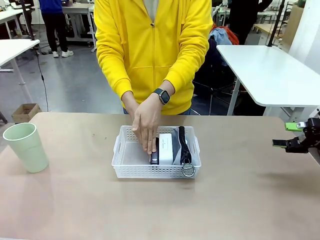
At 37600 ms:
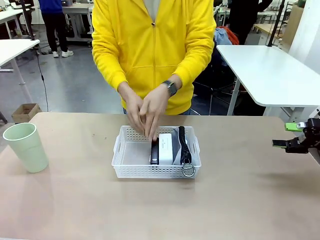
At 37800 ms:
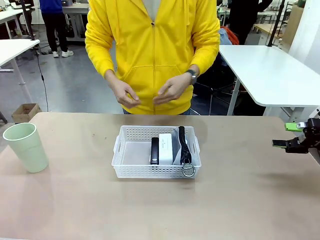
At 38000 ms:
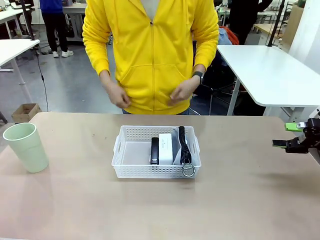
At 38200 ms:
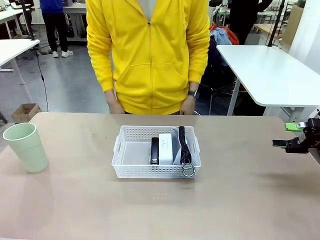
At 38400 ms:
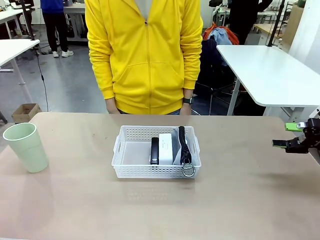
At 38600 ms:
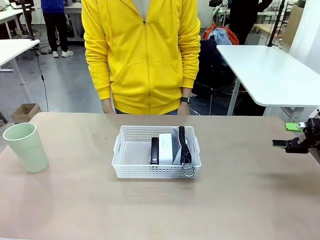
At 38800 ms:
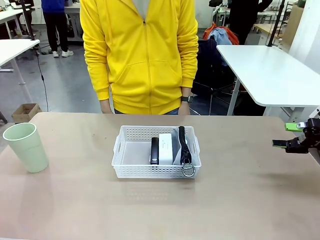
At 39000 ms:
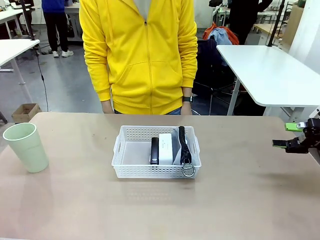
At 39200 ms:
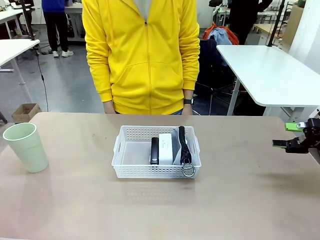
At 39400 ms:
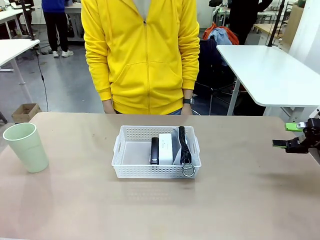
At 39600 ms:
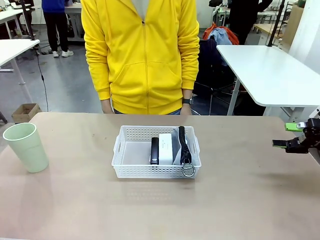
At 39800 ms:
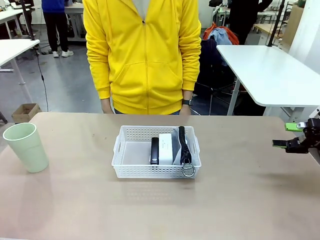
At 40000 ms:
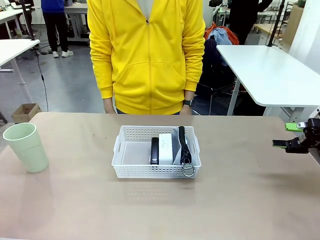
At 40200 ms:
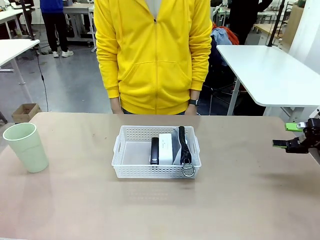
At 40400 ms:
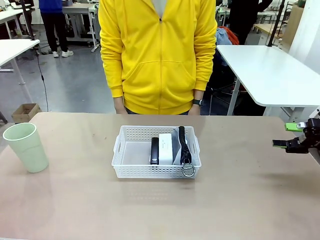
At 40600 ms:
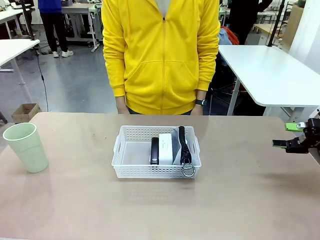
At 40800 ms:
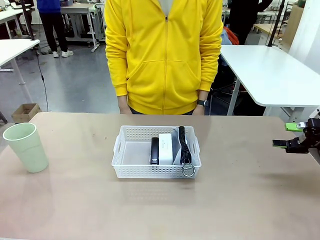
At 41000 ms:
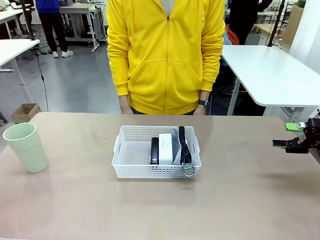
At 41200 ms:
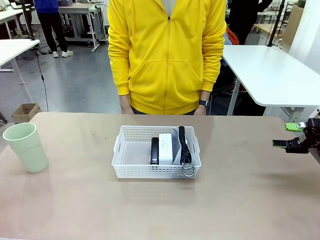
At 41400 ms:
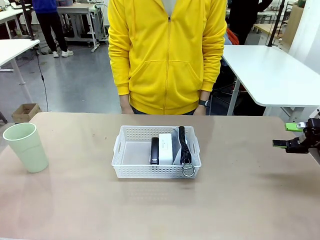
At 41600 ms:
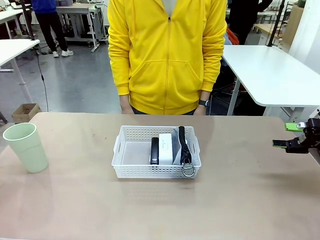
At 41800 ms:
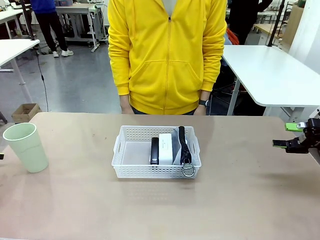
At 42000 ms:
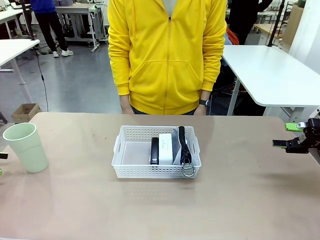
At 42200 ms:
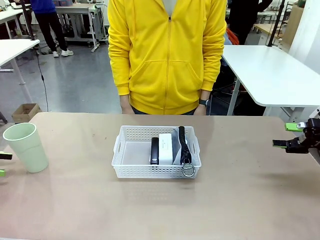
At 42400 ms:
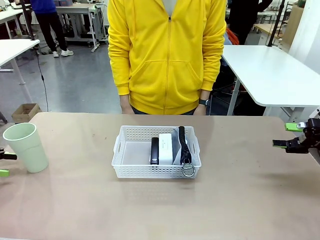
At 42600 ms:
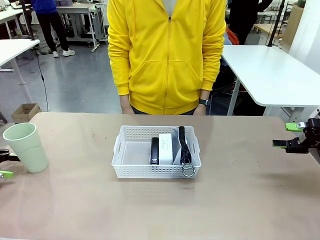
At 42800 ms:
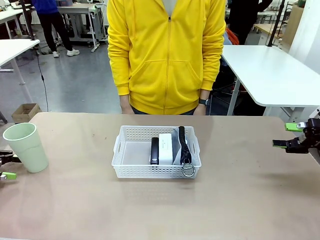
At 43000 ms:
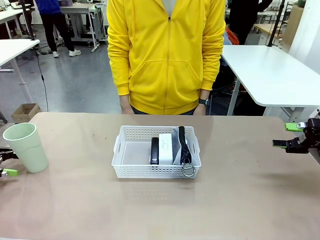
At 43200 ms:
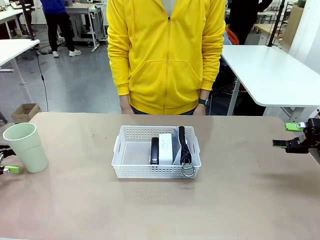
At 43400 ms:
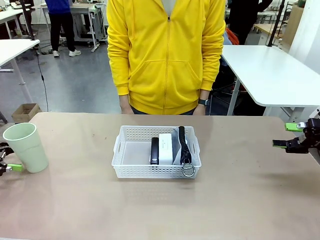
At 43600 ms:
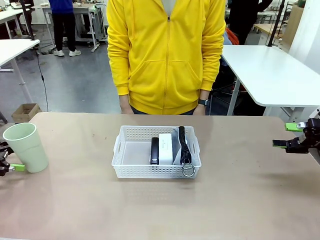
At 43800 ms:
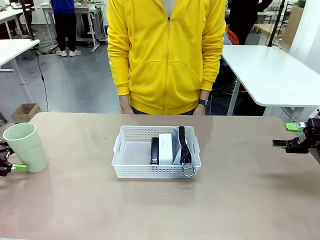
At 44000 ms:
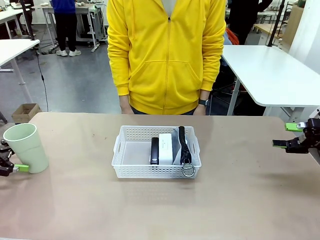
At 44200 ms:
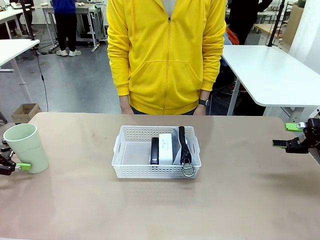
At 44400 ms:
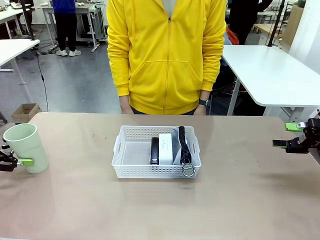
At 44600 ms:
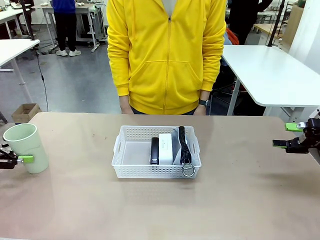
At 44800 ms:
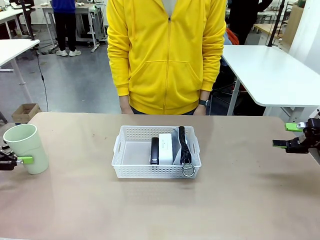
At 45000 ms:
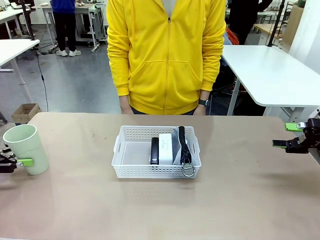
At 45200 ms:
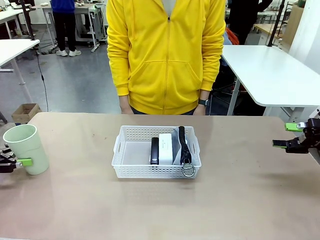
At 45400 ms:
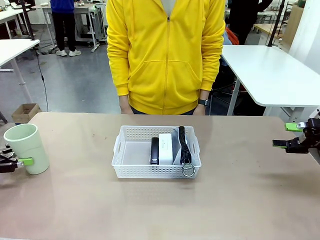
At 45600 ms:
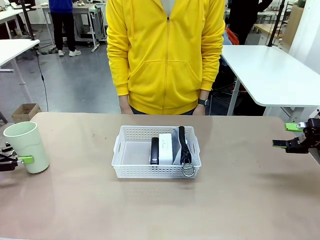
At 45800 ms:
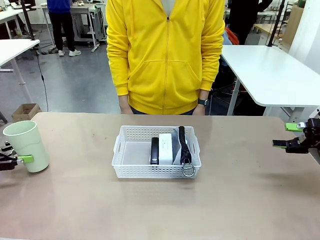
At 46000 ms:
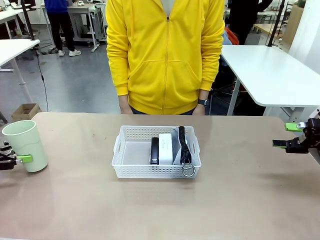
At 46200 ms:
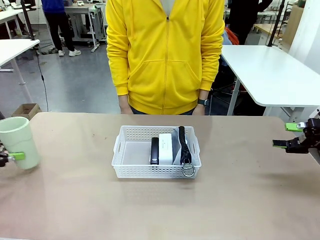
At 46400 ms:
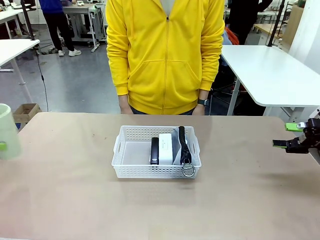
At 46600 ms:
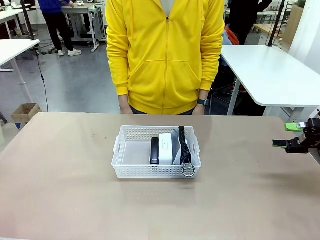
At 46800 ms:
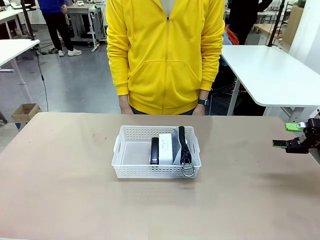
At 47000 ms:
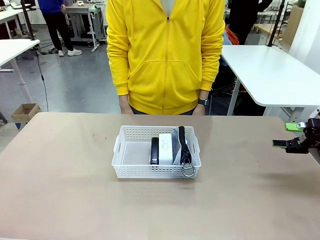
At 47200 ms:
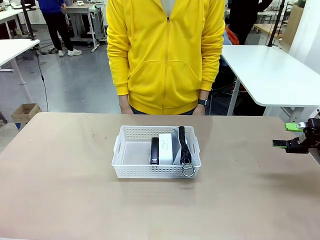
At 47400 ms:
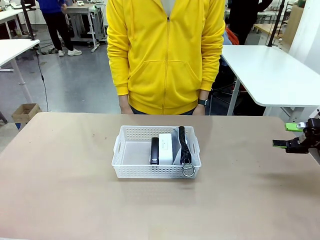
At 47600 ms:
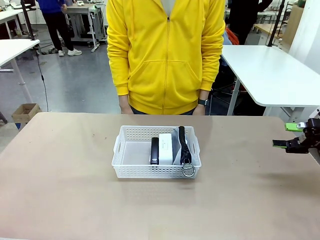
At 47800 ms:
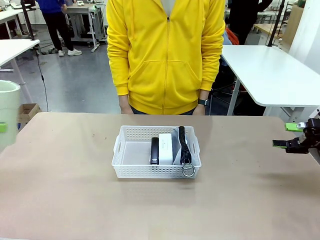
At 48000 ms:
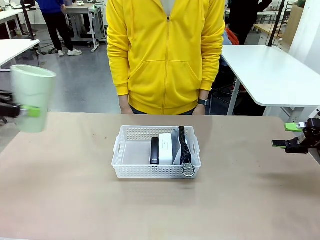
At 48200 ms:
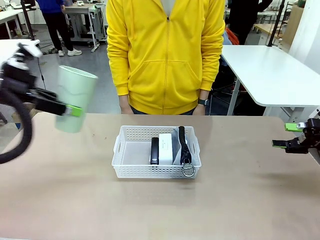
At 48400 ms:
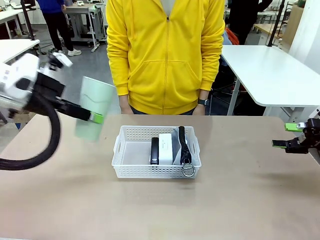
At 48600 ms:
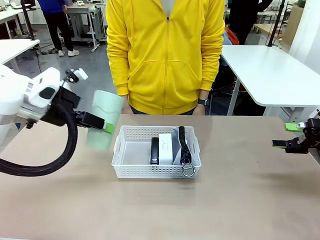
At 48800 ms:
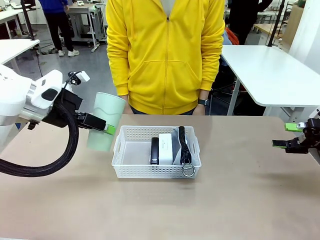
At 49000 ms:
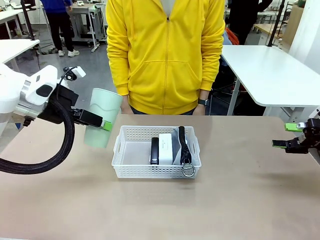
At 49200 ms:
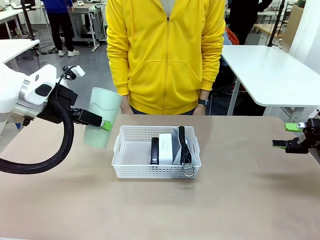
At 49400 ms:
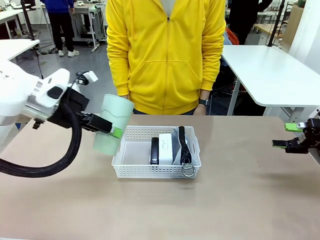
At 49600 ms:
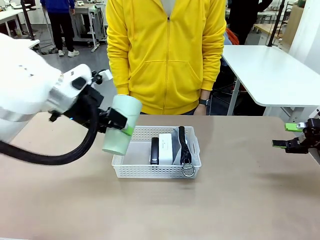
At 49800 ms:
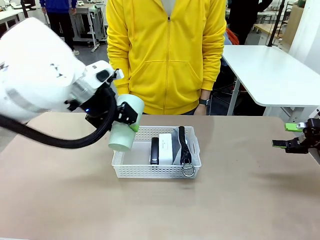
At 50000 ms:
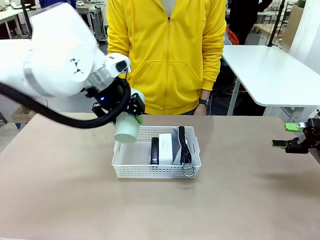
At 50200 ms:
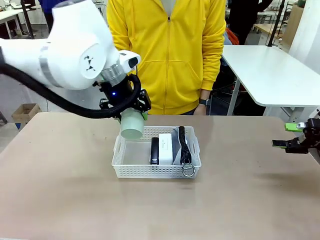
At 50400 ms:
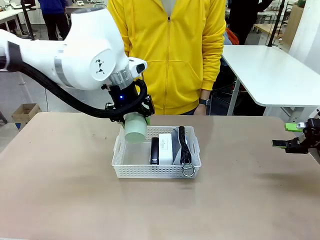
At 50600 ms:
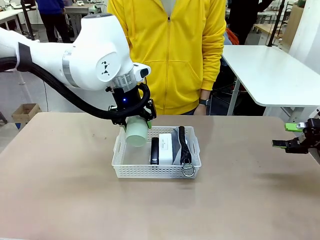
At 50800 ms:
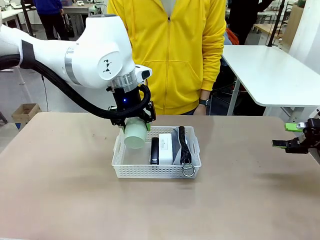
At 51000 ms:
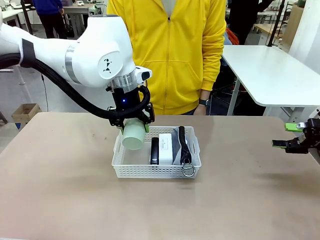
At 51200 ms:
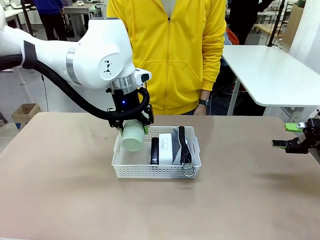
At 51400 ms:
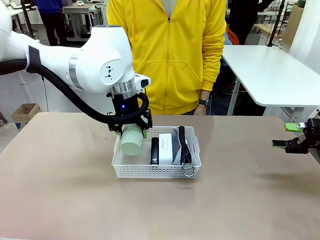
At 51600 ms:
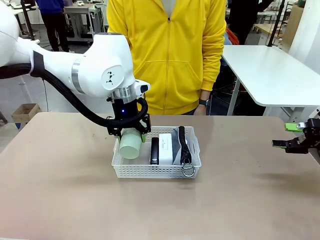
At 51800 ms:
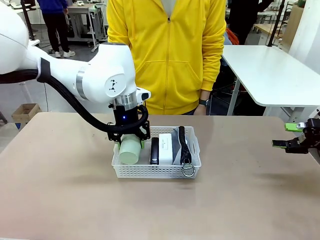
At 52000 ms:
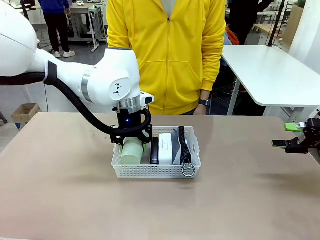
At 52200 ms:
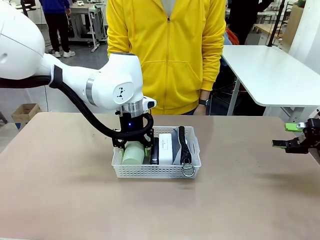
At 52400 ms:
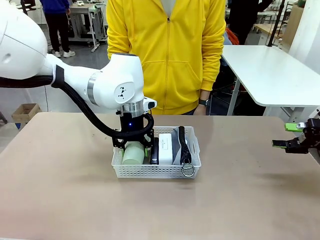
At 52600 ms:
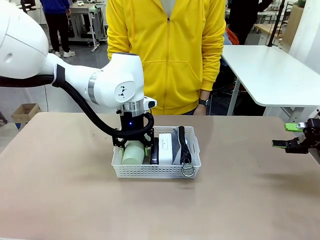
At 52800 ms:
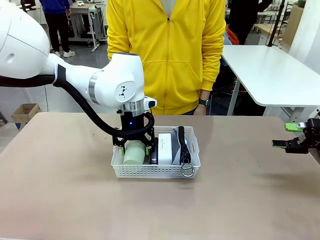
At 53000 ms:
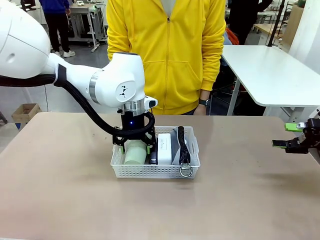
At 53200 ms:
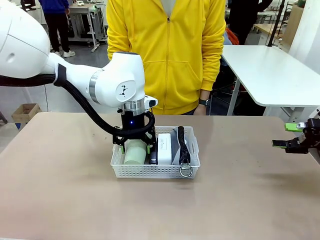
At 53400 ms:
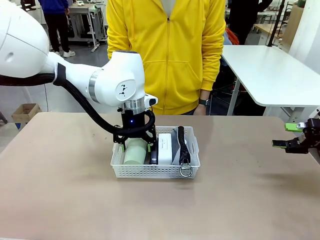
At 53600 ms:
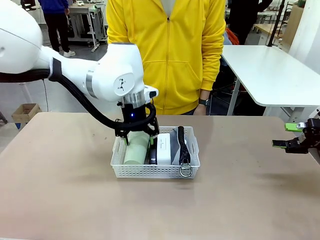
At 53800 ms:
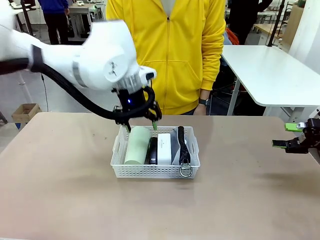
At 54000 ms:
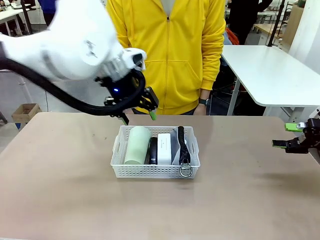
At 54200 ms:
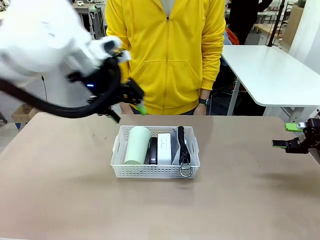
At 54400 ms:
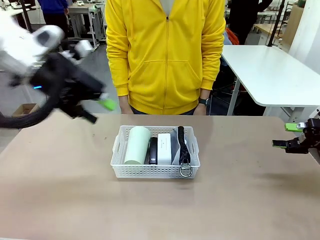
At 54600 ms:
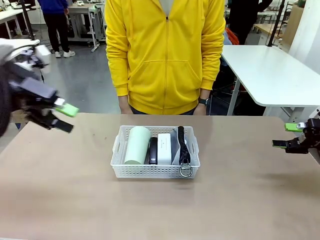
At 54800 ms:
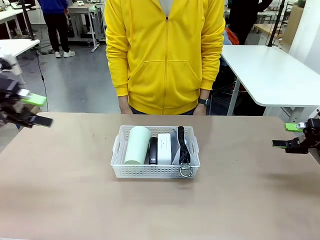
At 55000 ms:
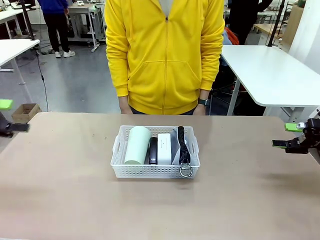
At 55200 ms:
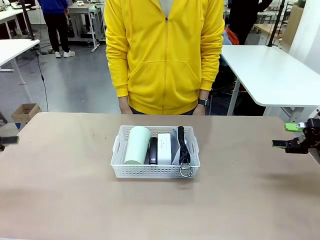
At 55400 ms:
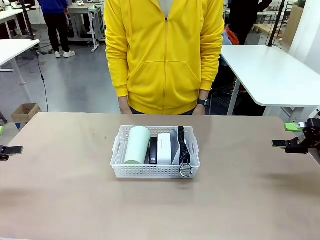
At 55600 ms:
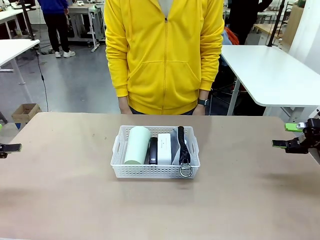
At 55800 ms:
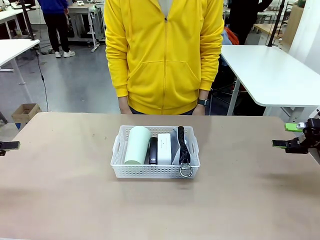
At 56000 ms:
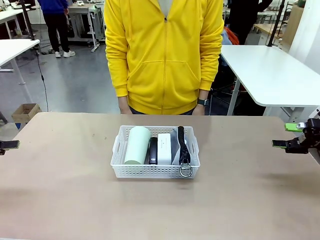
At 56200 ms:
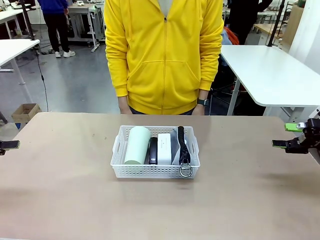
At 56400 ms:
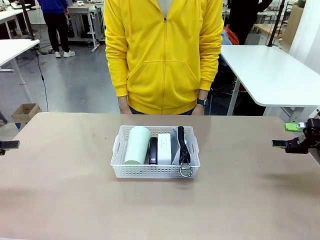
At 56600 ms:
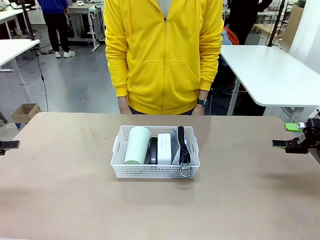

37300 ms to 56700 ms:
Task: Efficiently arrange items inside the basket to fit them all.
Robot: Pick up the Reusable plastic cup and place it inside the Organizing basket.
Person: Repositions the stapler.
